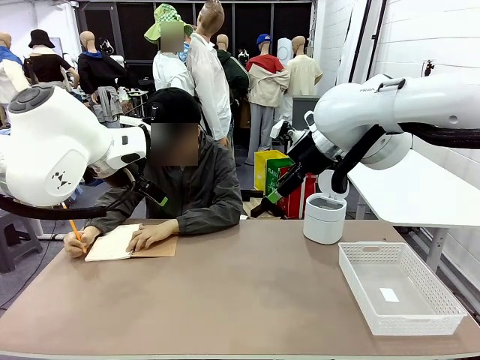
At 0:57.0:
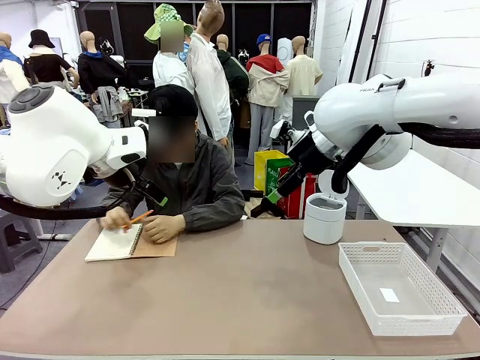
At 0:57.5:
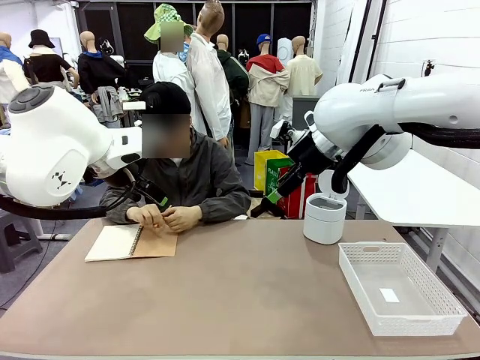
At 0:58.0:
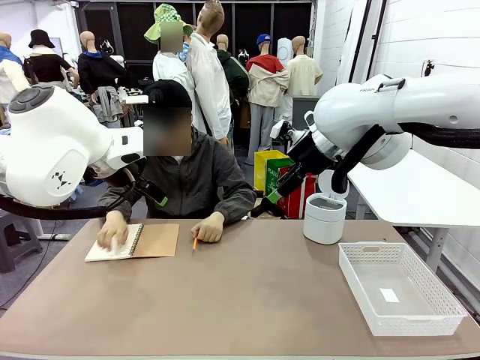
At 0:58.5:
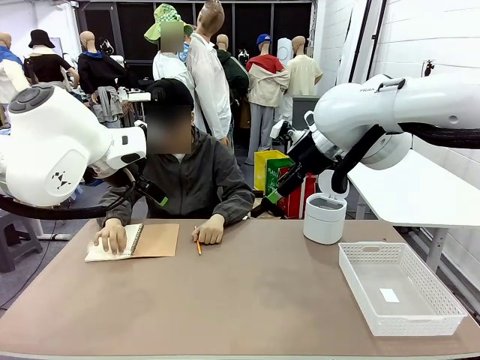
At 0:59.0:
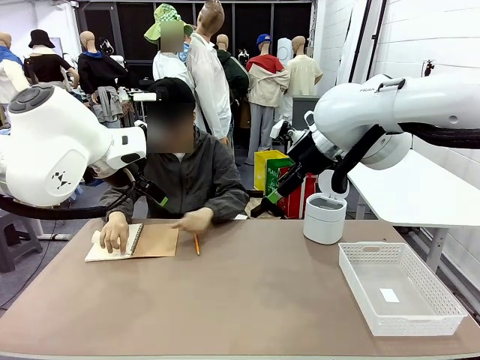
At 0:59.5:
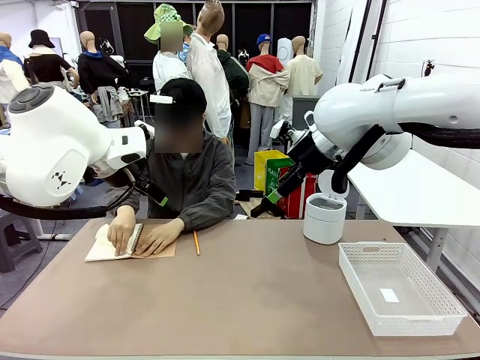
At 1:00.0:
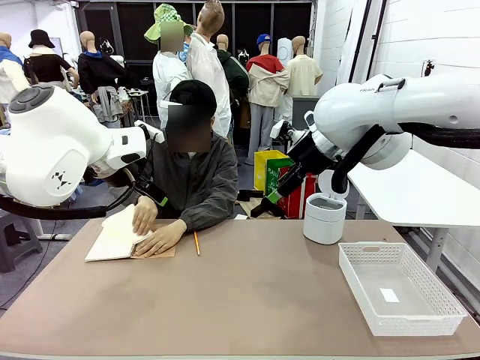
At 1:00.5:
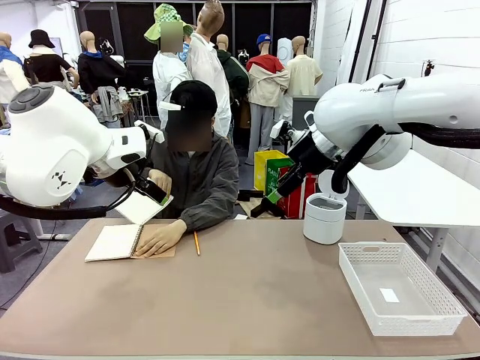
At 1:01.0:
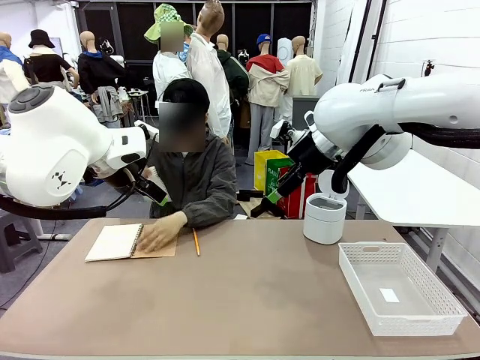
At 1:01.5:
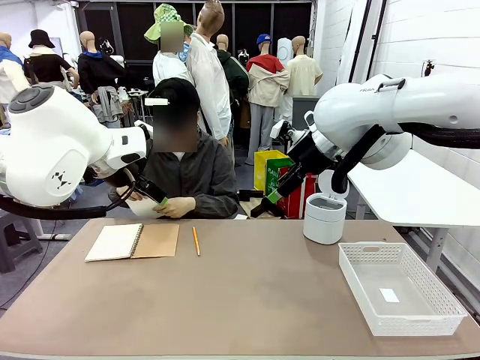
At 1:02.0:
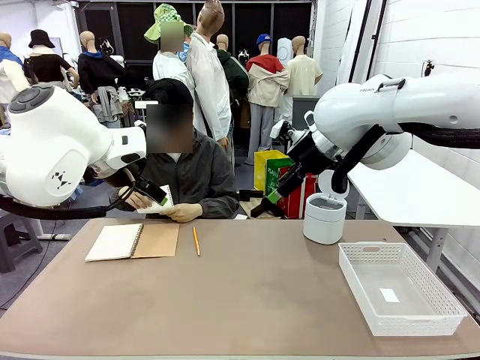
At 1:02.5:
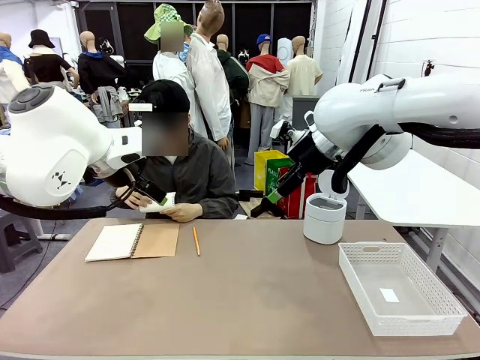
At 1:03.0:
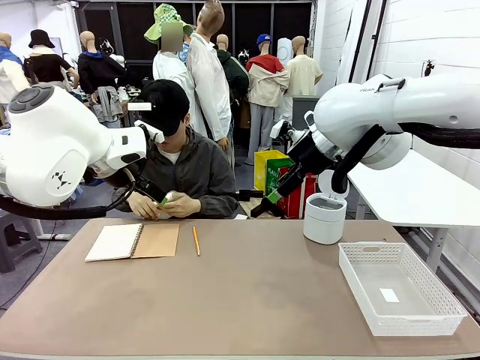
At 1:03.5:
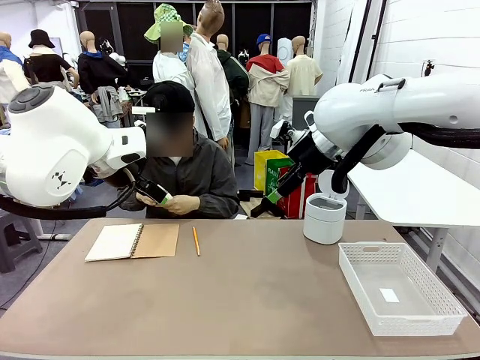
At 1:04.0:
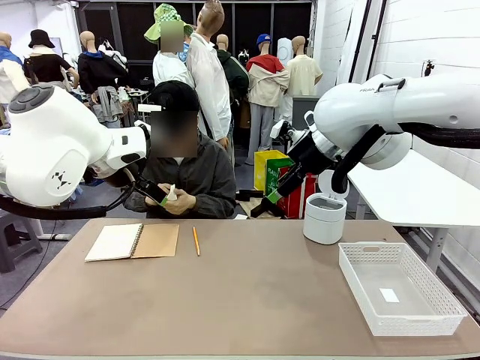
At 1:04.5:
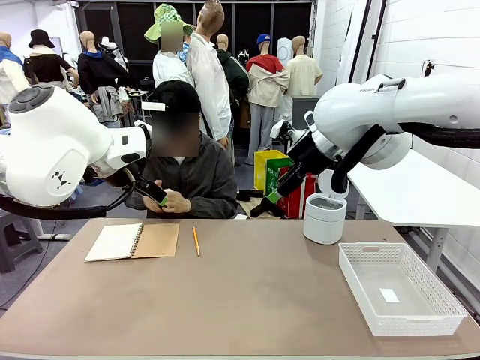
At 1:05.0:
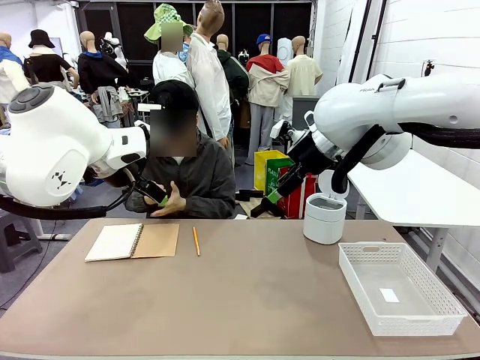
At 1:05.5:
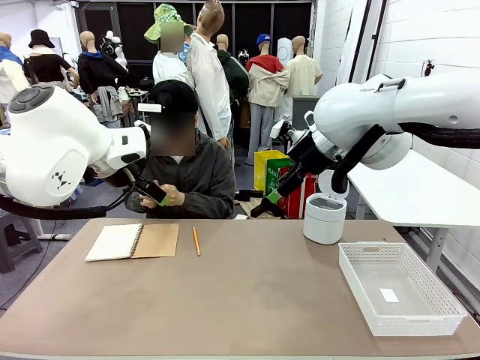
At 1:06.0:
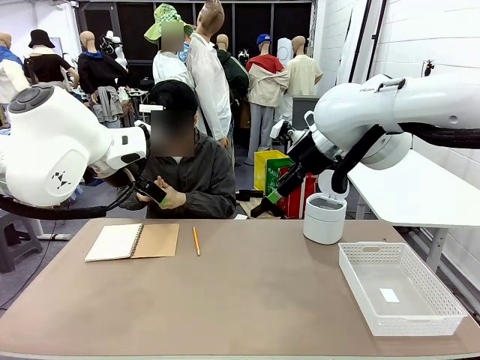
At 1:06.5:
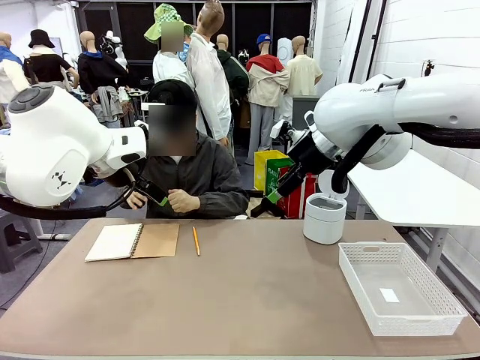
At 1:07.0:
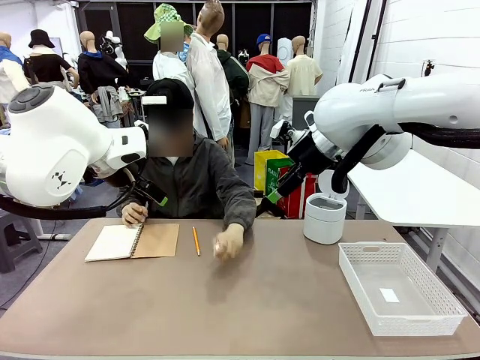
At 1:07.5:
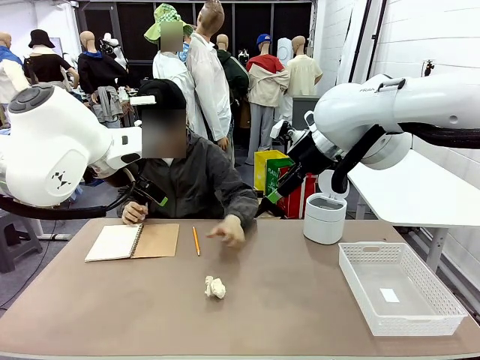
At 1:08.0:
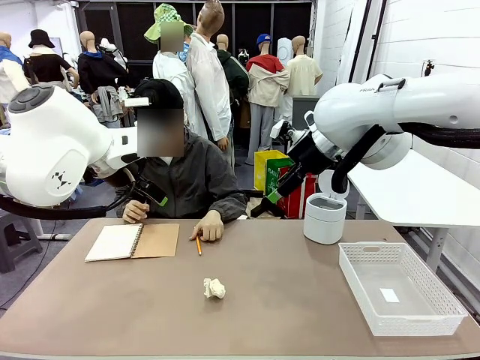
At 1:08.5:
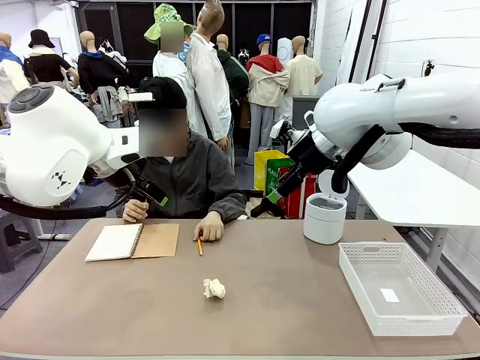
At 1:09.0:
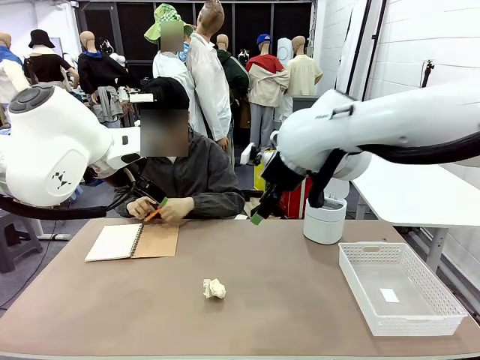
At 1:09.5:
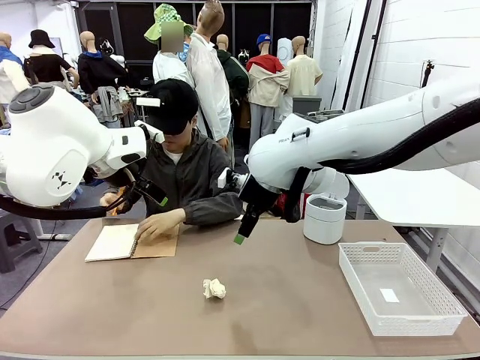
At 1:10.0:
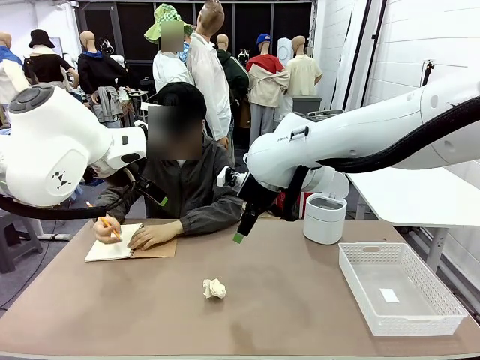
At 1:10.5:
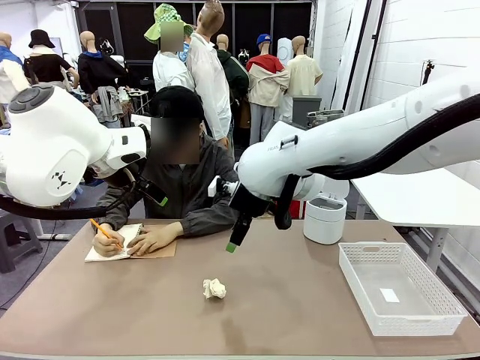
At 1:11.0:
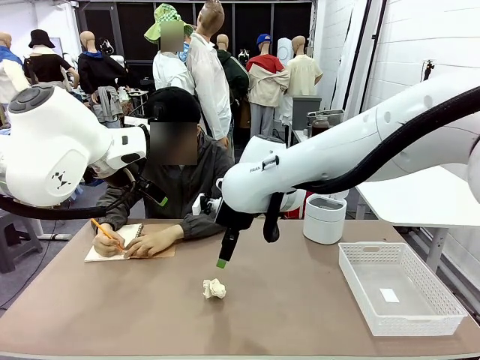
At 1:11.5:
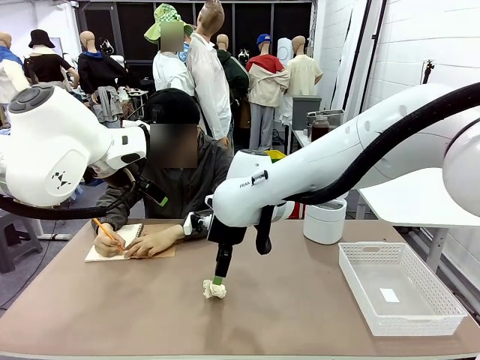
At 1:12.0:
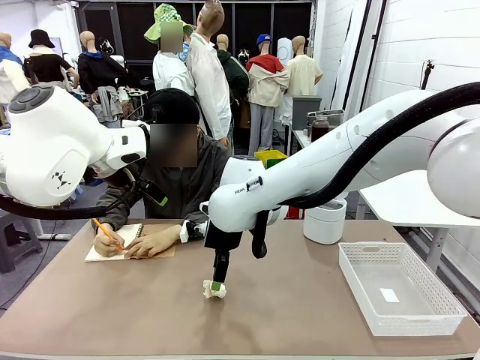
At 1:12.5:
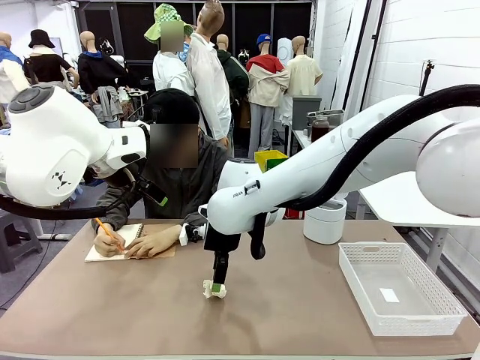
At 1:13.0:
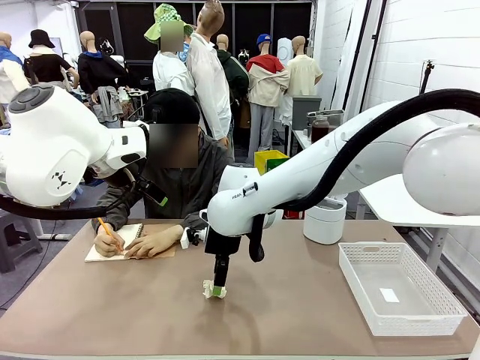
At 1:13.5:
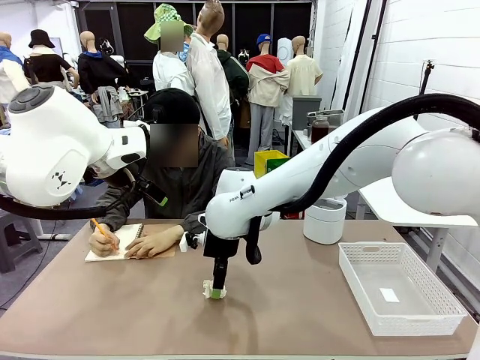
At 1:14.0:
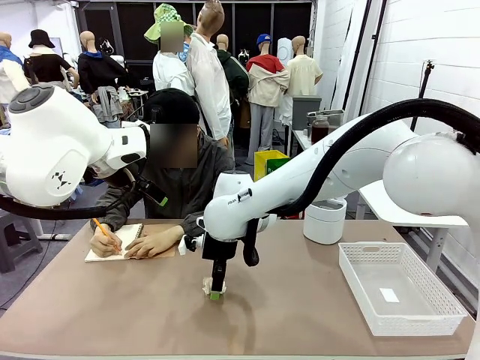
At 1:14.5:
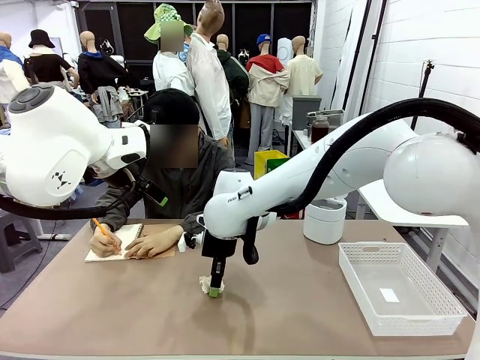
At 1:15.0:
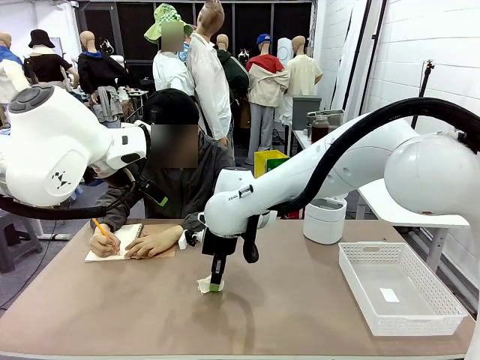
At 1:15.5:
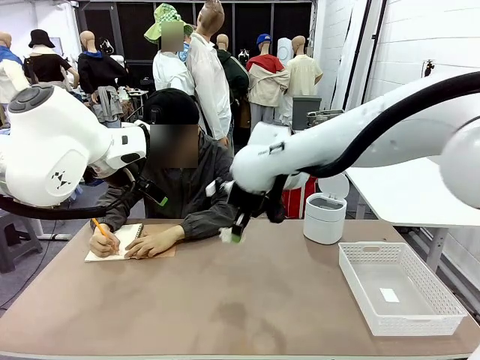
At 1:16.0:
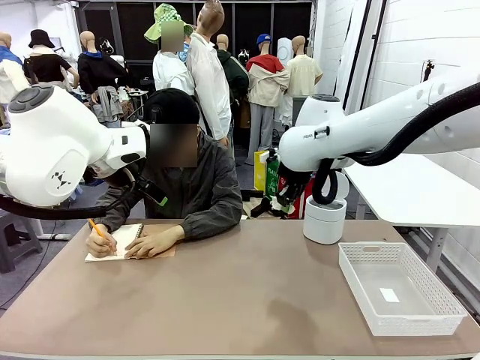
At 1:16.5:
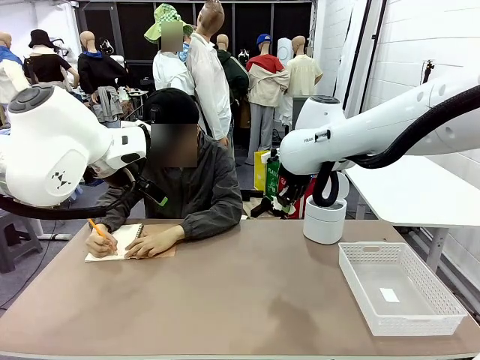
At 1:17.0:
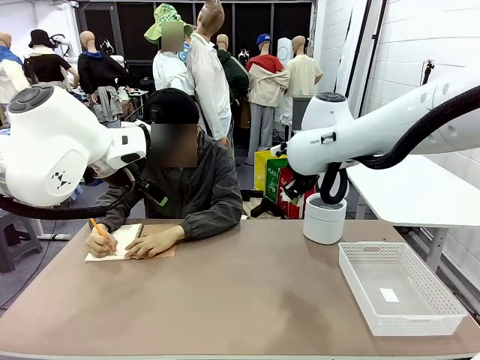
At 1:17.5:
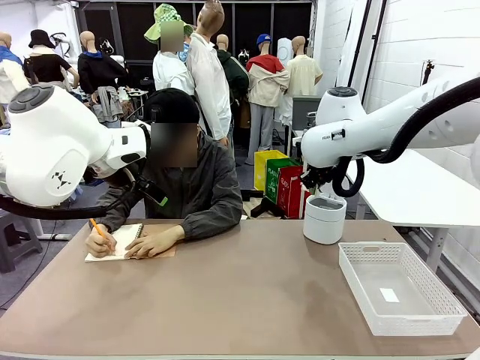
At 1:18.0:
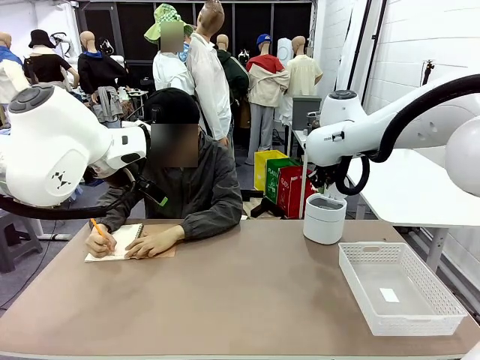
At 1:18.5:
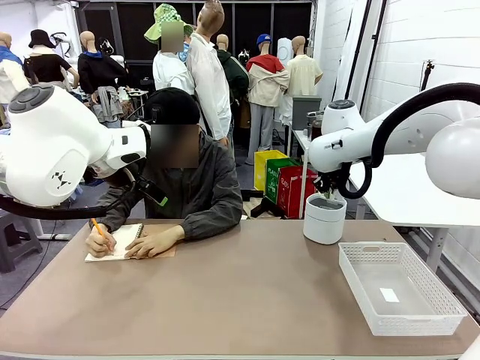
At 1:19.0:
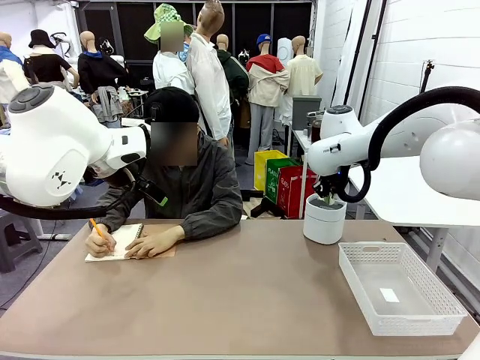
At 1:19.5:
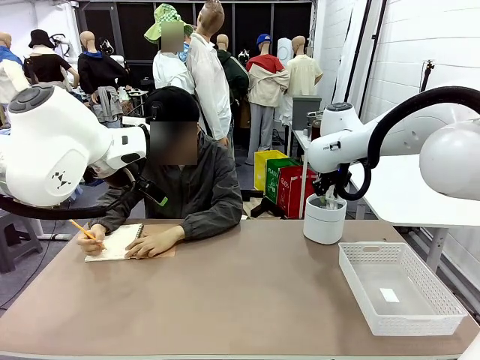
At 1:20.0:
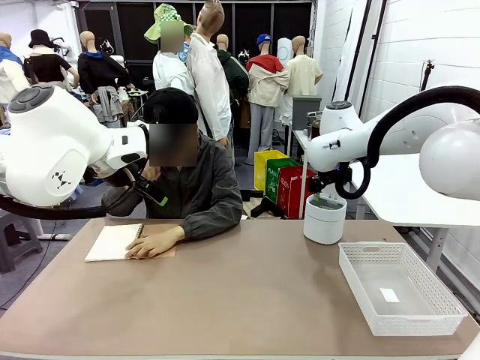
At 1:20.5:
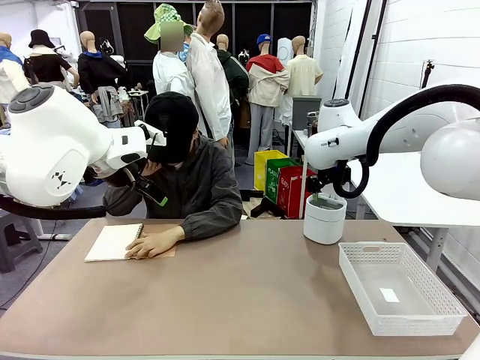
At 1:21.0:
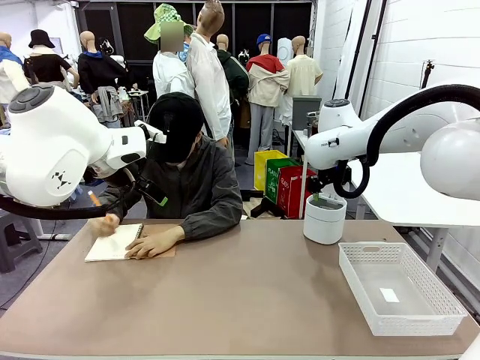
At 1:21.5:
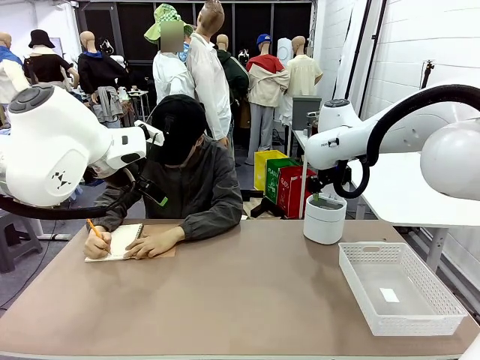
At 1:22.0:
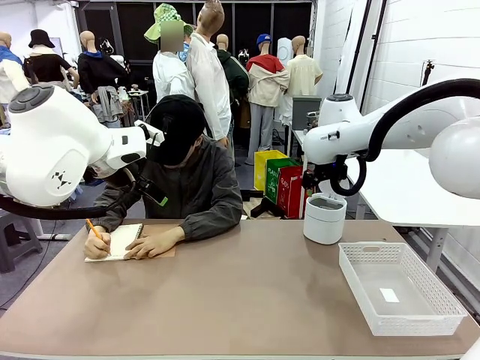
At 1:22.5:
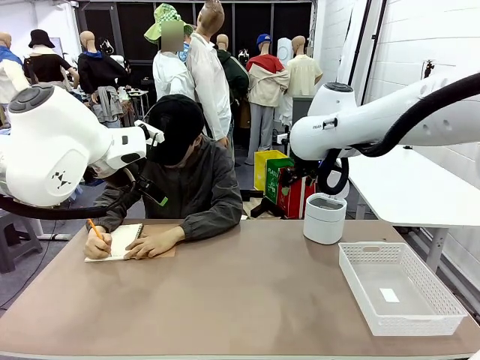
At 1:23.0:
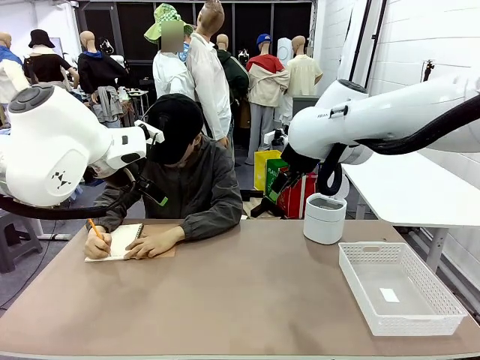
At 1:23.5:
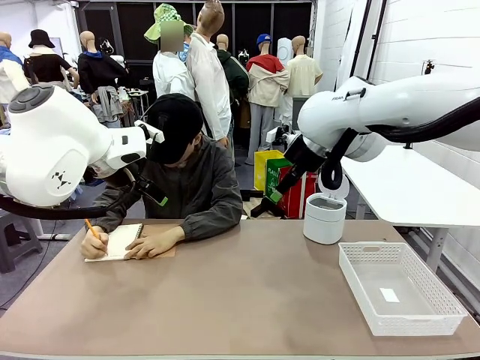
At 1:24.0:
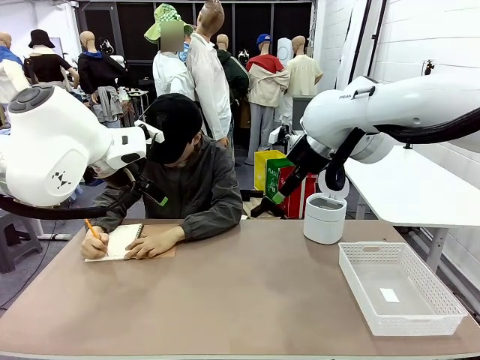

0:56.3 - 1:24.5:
Task: Sort the paper based on its condition.
Robot: If a person hands you a paper, place it in the Organizing basket , and if it's crumpled, put it in the Trash can.
Person: Hand the torn page to the robot or crumple it and throw it to the center of the table. Tear out a page from the spiral notebook.
